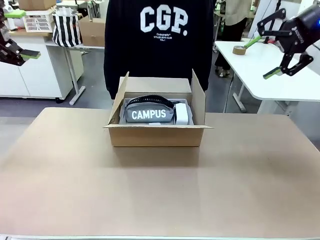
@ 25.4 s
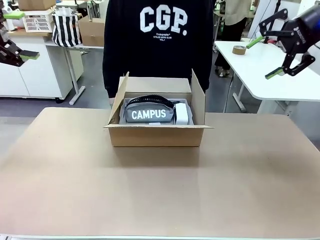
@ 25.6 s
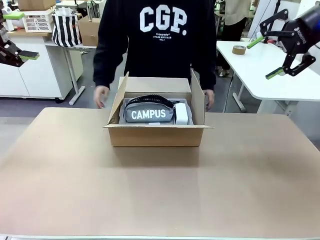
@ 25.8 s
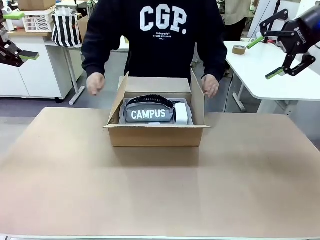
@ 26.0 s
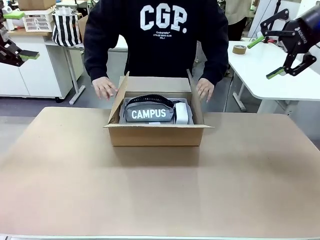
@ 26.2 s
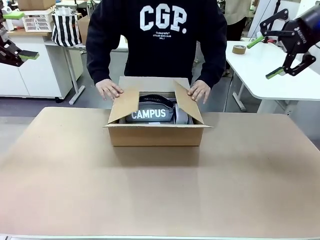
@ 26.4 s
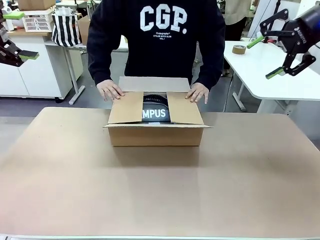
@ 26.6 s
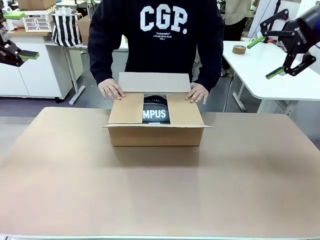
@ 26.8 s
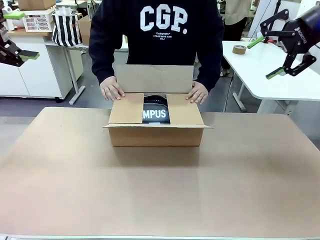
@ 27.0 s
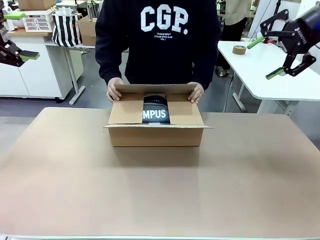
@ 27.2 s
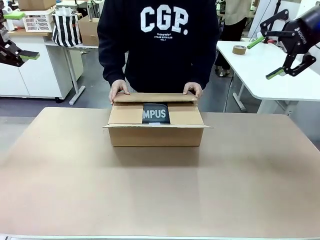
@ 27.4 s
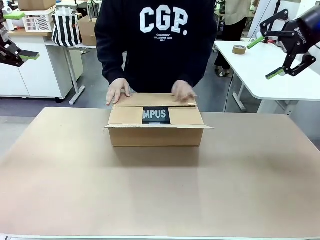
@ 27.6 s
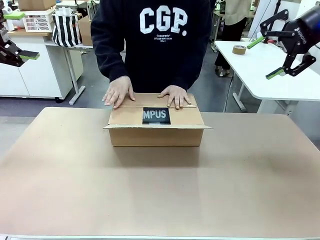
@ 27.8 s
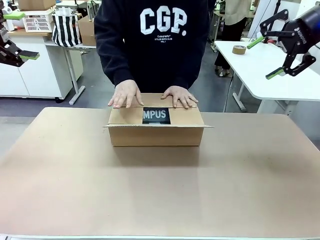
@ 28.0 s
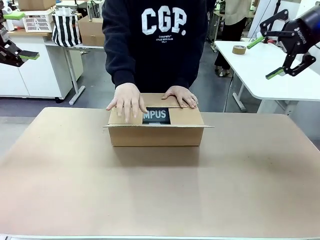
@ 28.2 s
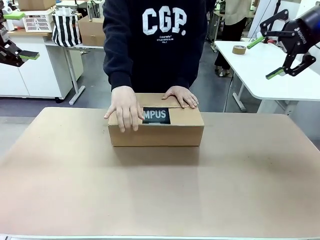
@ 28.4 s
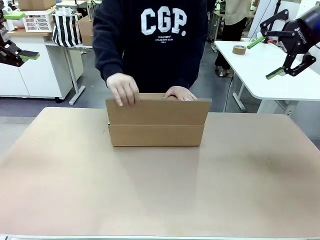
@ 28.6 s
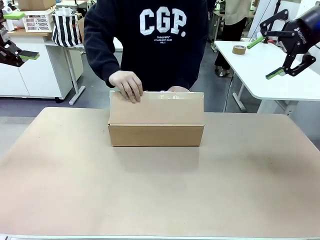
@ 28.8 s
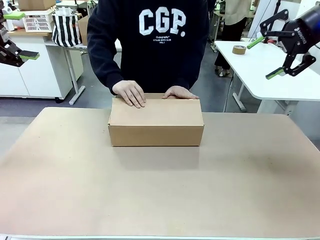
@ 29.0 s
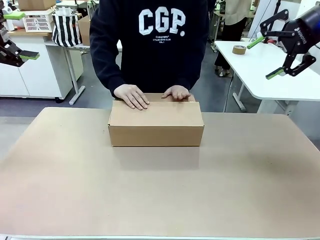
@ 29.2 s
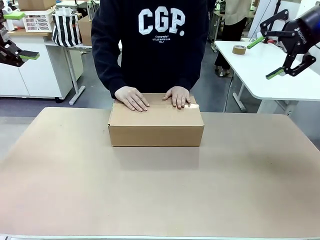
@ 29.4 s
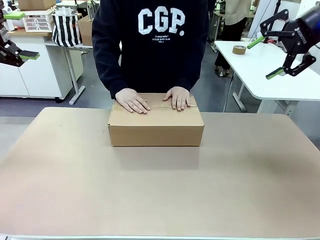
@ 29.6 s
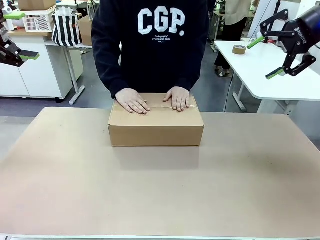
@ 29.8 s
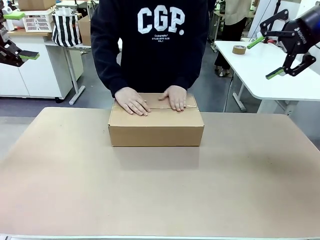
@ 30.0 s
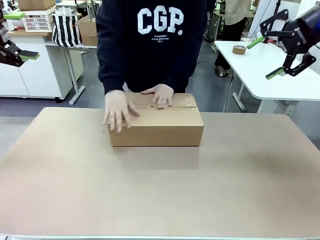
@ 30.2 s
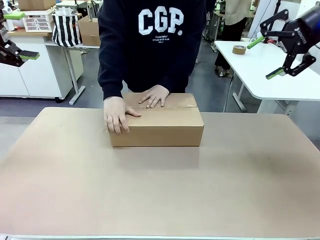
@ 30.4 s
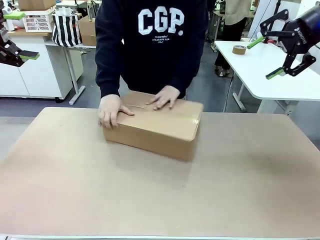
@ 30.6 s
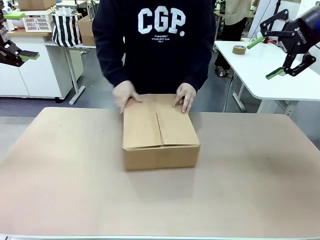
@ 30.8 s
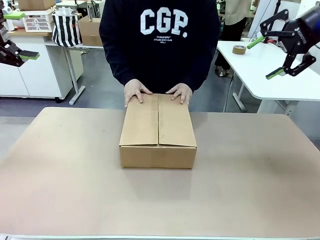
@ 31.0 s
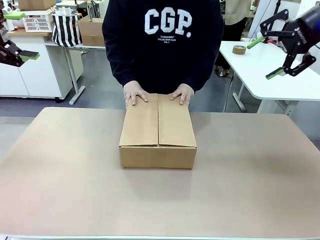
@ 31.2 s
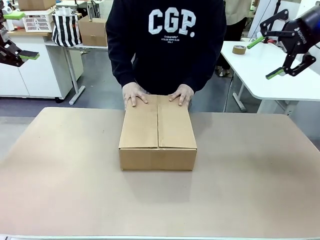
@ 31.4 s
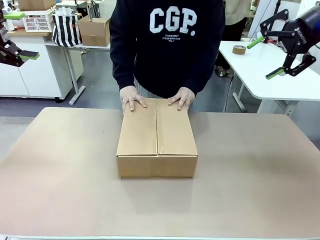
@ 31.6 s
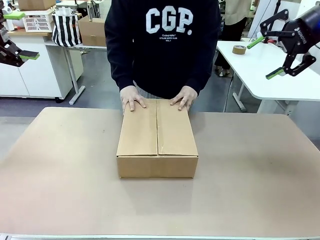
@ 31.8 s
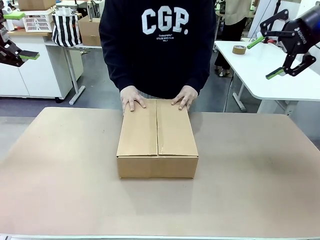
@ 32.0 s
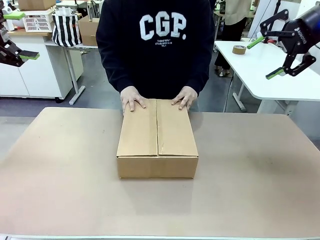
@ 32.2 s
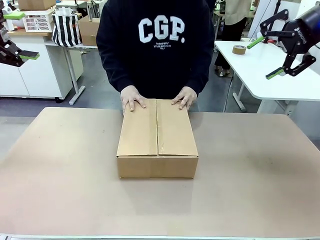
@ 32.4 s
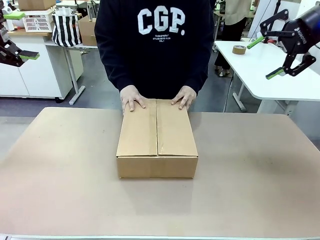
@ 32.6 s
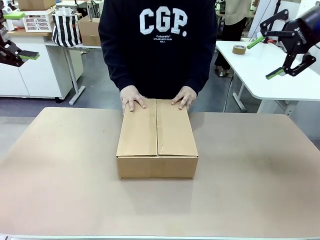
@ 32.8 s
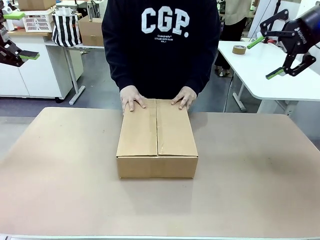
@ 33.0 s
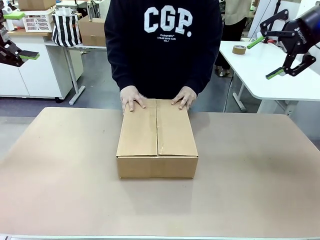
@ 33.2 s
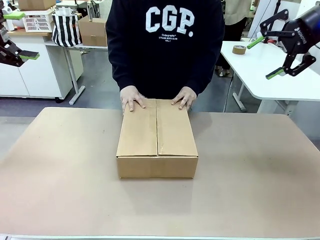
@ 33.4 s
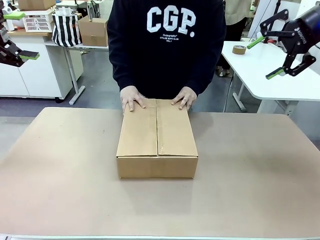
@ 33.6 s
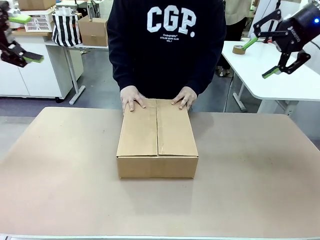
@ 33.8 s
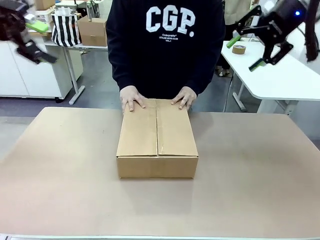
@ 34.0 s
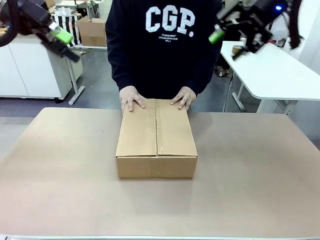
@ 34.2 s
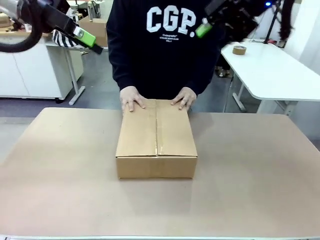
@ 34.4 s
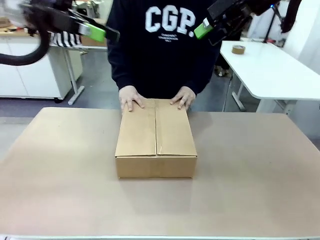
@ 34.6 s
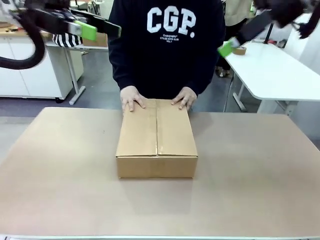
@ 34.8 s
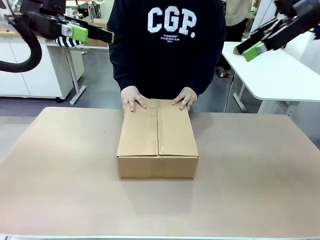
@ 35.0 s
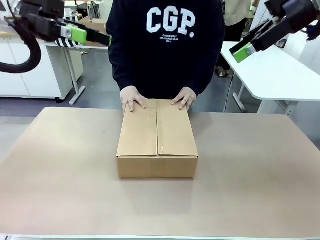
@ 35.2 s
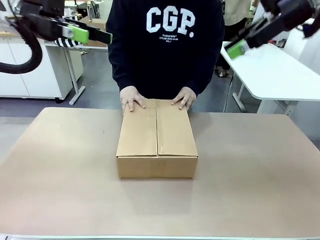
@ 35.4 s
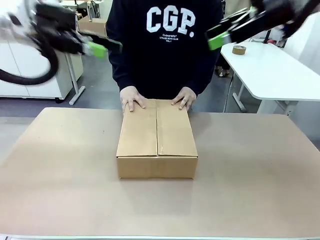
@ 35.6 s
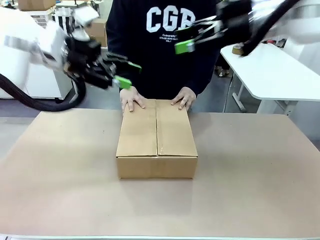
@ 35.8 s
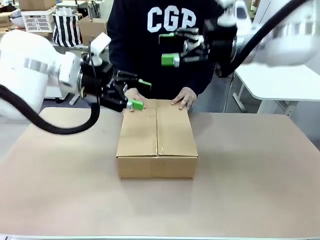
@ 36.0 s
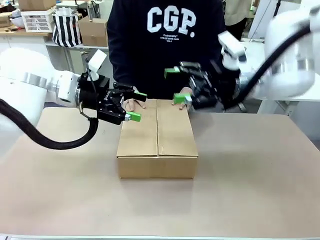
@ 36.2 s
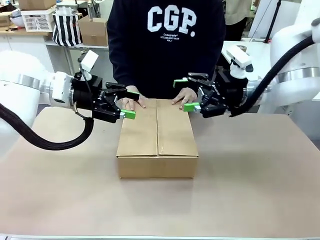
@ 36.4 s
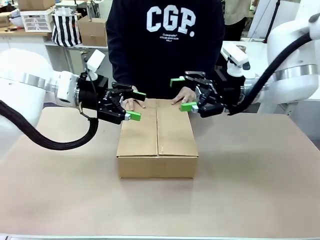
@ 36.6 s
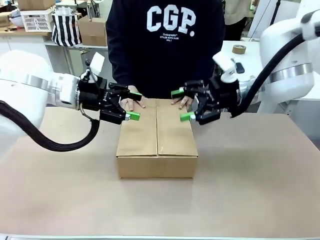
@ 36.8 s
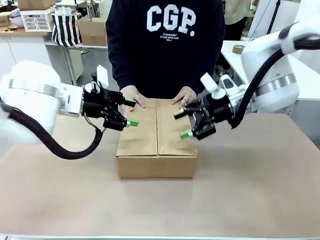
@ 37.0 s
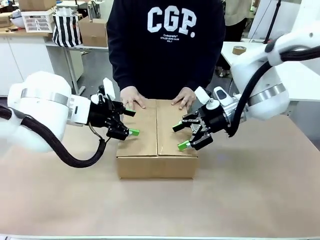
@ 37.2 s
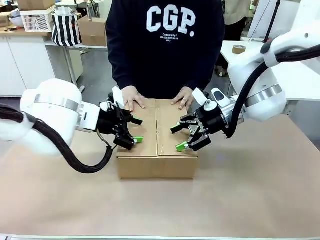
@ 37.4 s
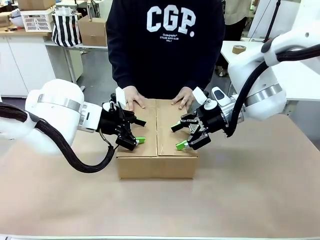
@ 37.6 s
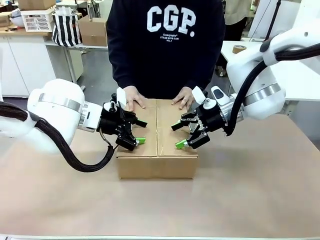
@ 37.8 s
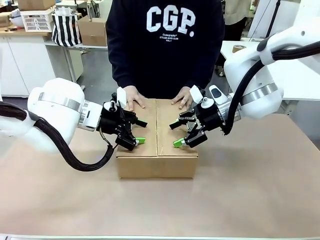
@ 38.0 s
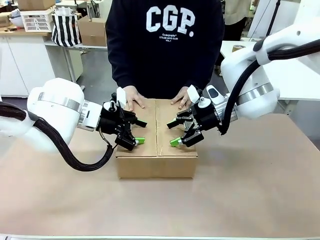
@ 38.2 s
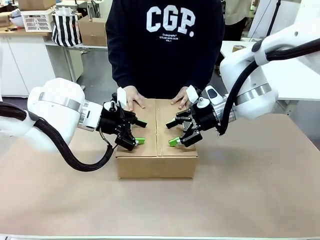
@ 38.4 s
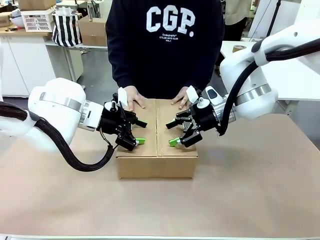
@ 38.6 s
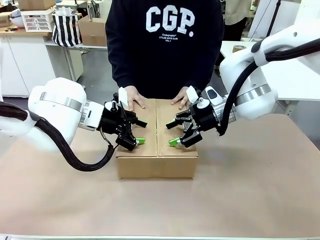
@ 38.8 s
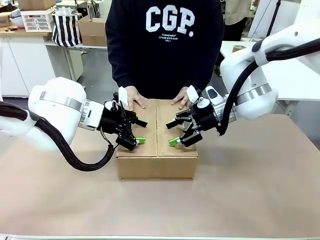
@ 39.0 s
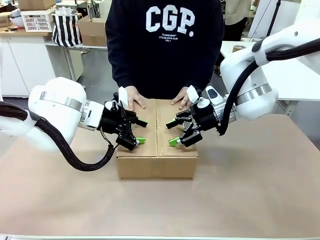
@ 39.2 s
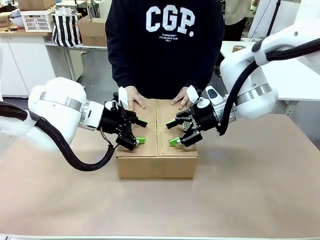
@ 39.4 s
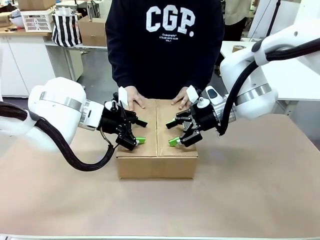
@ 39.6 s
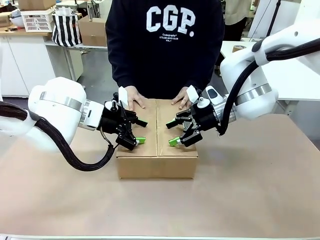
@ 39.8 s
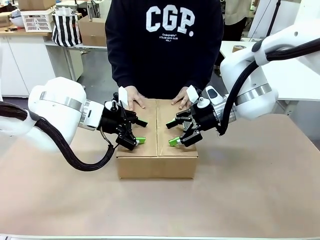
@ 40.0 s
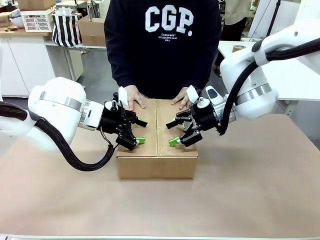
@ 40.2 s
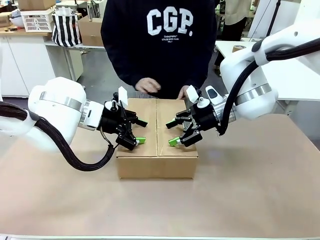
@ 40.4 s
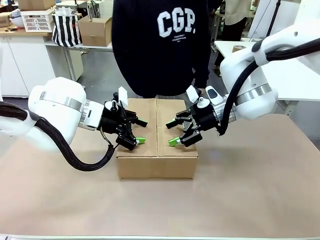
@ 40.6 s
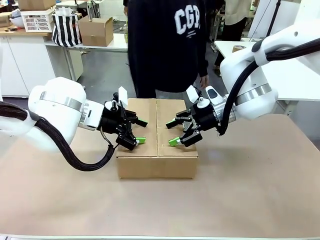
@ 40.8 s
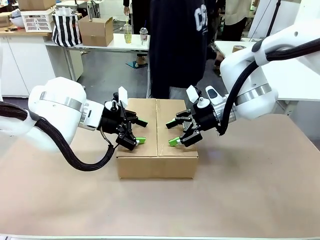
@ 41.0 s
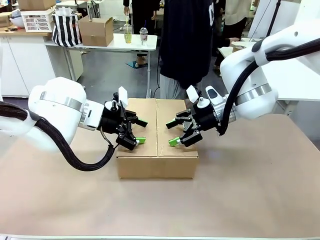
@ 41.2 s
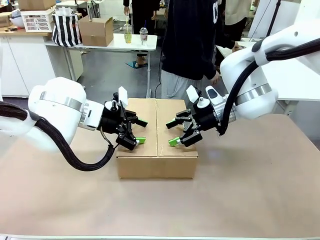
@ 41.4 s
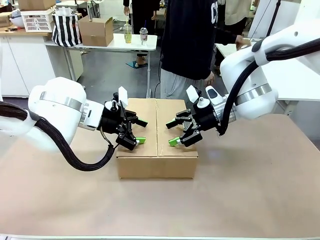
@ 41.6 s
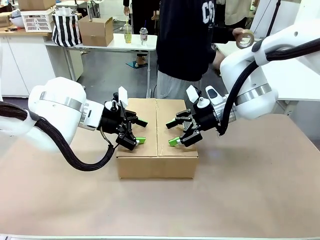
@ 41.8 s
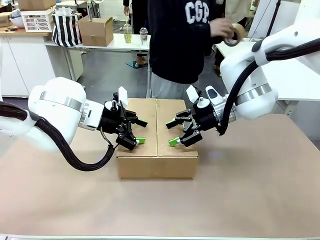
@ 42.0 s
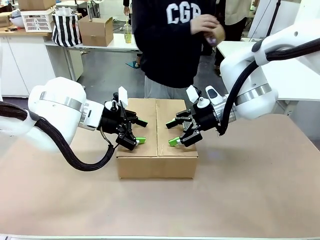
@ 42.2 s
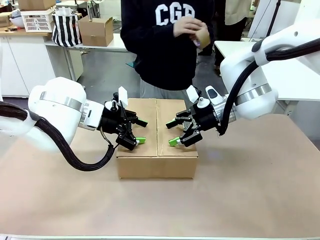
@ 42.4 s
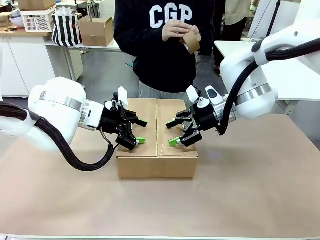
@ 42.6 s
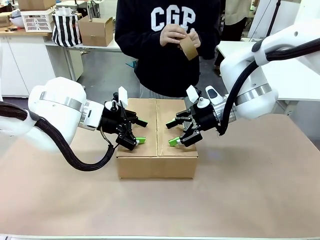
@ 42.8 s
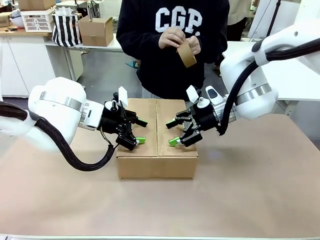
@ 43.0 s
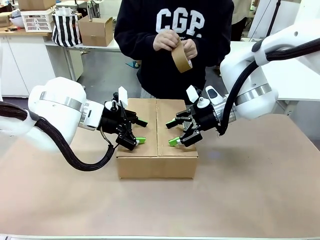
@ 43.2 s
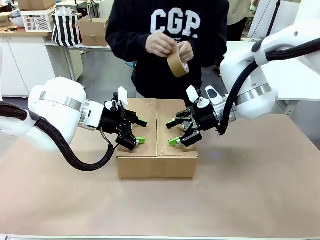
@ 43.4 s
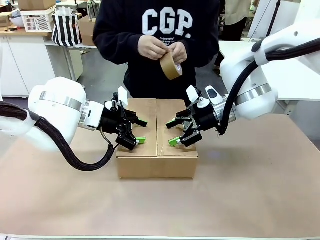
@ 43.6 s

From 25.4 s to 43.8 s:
Task: Pack the gift set into the box.
Robot: Press and hold the closed box until the human finishes sealing it.
Person: The human closes the box and rotates the box by 90 degrees.
